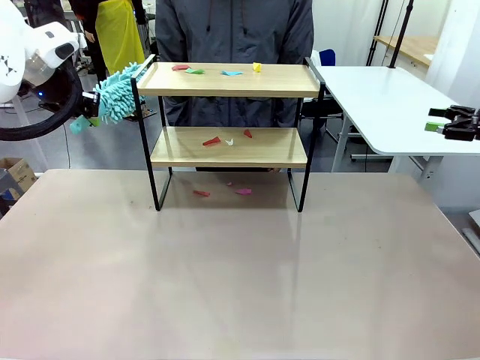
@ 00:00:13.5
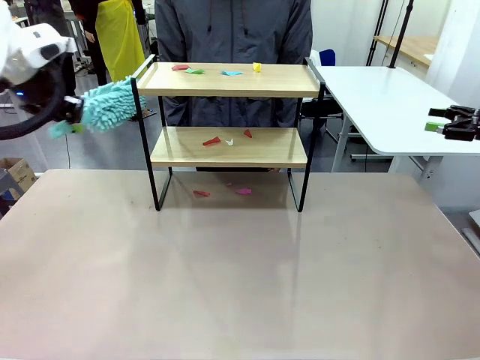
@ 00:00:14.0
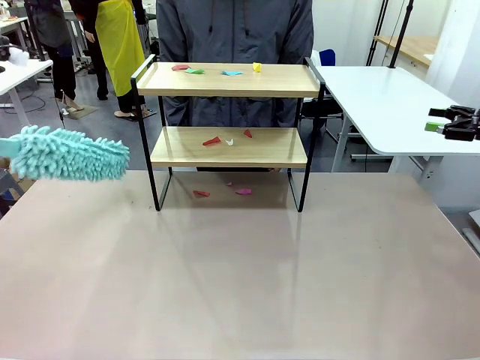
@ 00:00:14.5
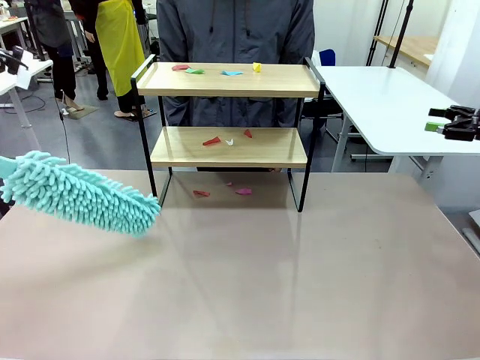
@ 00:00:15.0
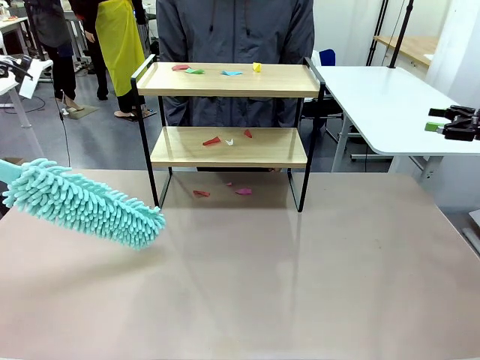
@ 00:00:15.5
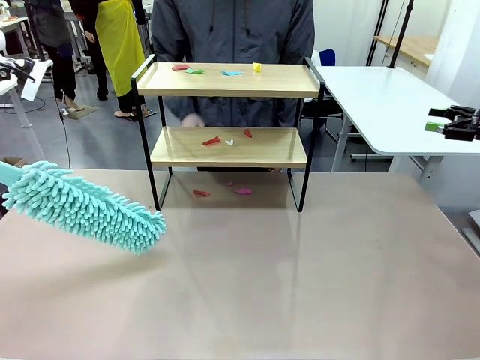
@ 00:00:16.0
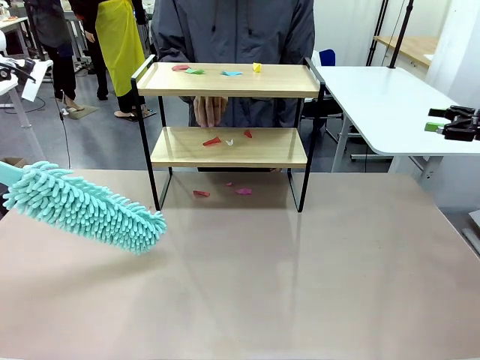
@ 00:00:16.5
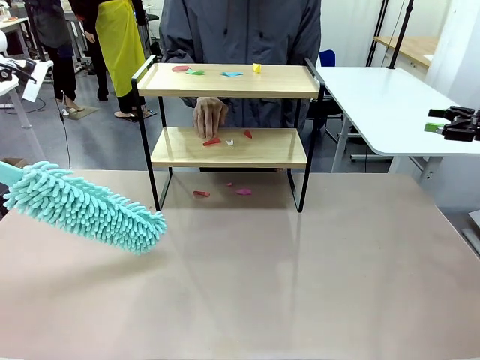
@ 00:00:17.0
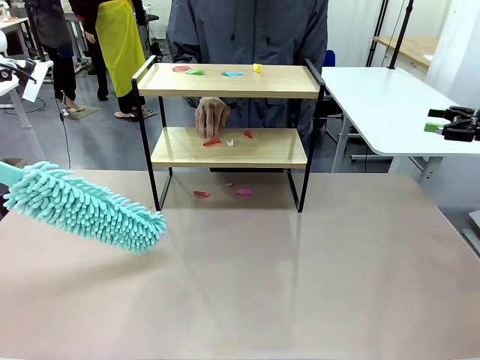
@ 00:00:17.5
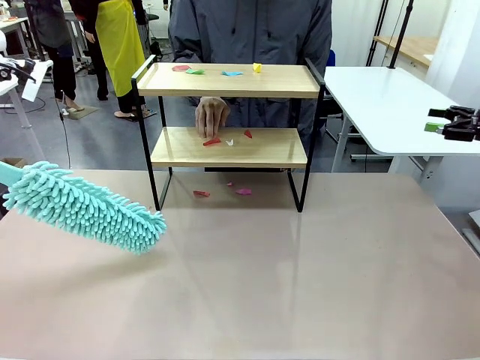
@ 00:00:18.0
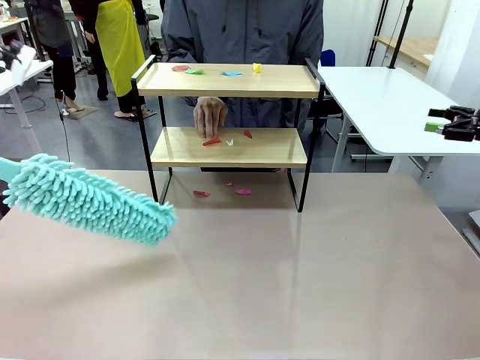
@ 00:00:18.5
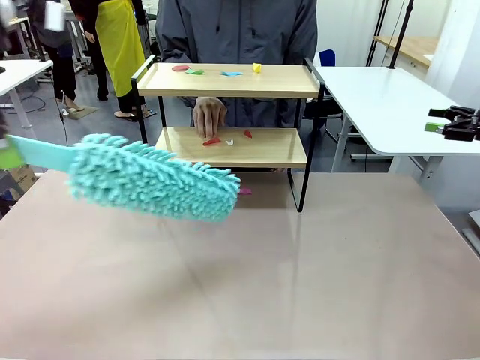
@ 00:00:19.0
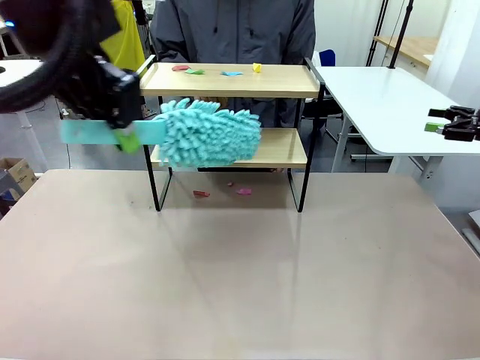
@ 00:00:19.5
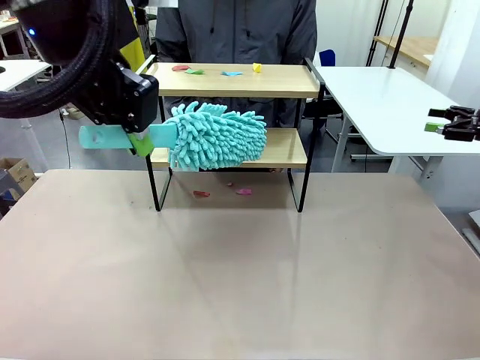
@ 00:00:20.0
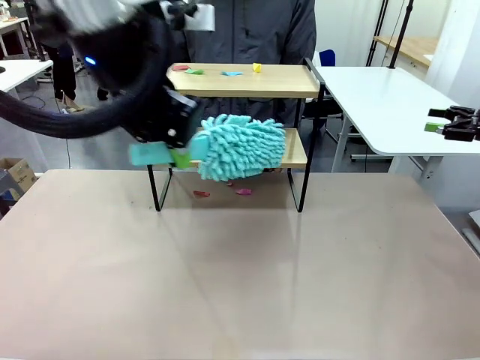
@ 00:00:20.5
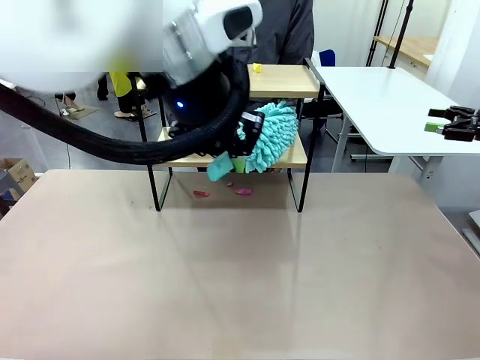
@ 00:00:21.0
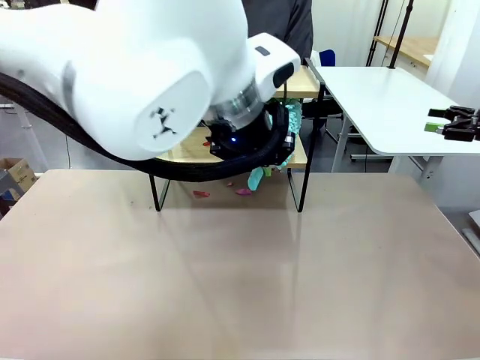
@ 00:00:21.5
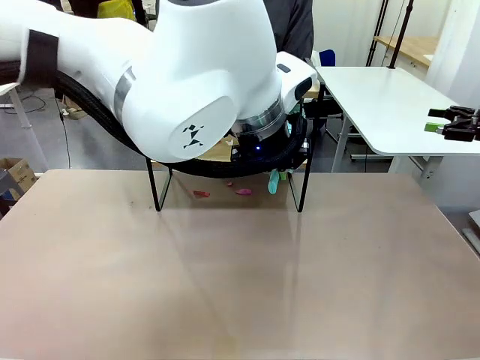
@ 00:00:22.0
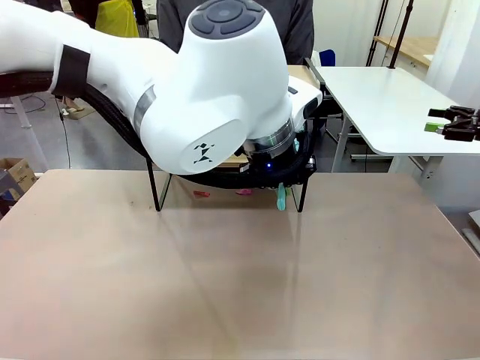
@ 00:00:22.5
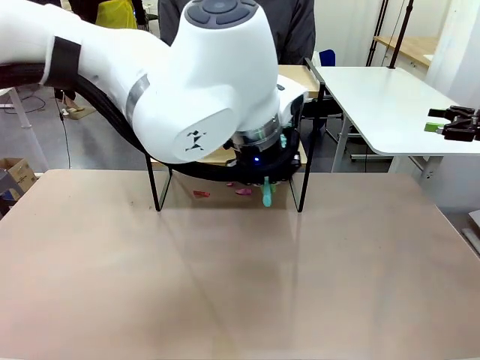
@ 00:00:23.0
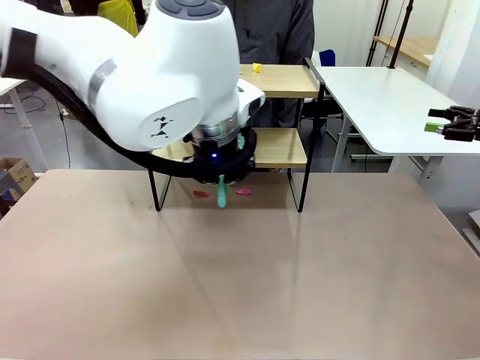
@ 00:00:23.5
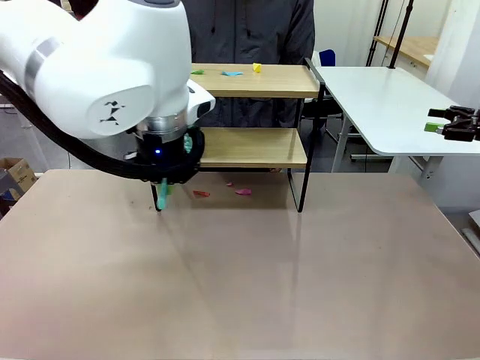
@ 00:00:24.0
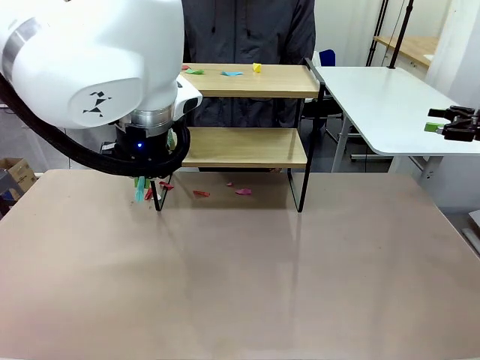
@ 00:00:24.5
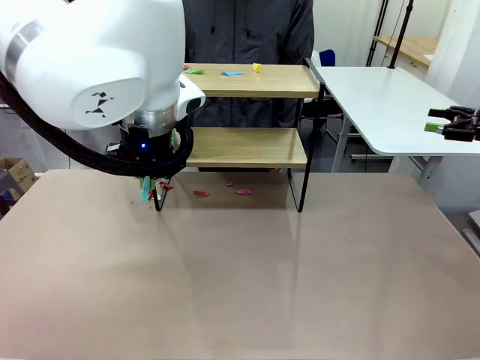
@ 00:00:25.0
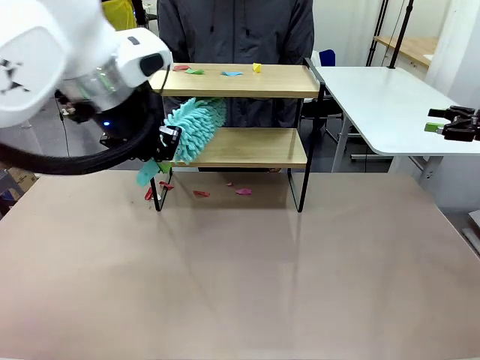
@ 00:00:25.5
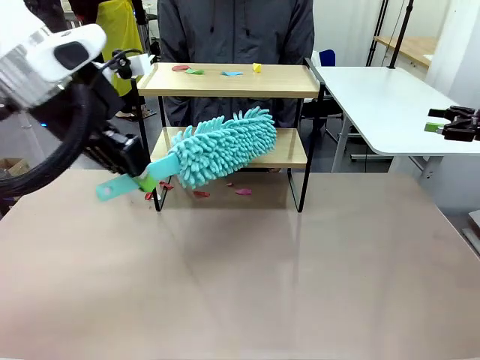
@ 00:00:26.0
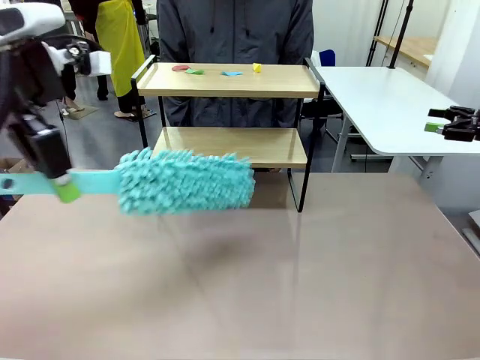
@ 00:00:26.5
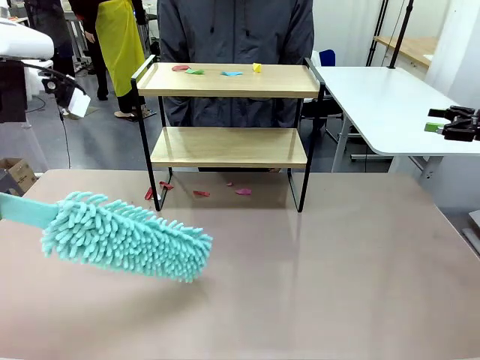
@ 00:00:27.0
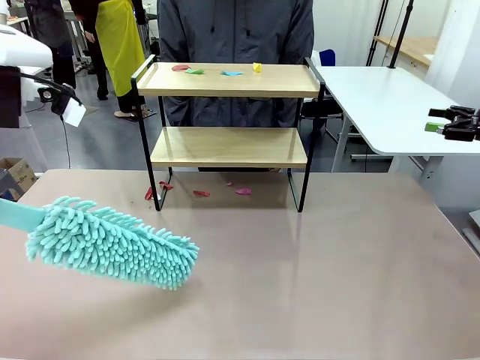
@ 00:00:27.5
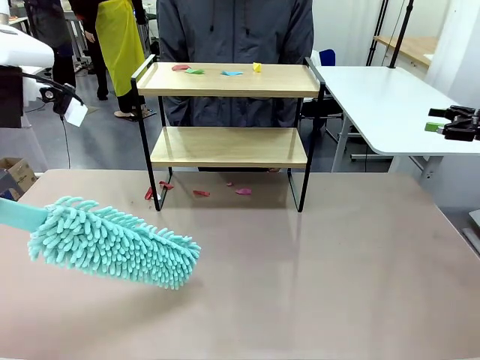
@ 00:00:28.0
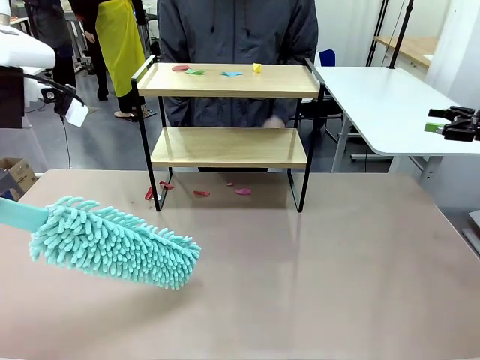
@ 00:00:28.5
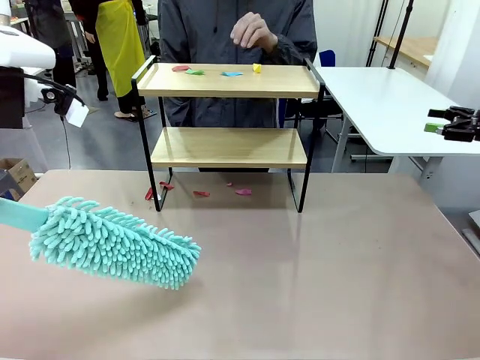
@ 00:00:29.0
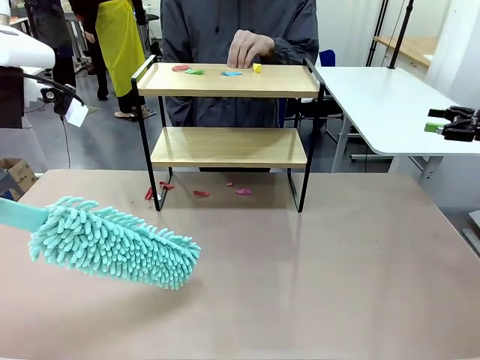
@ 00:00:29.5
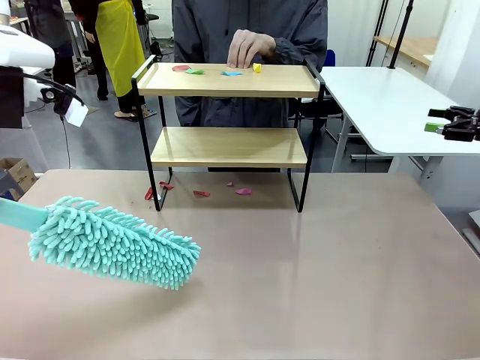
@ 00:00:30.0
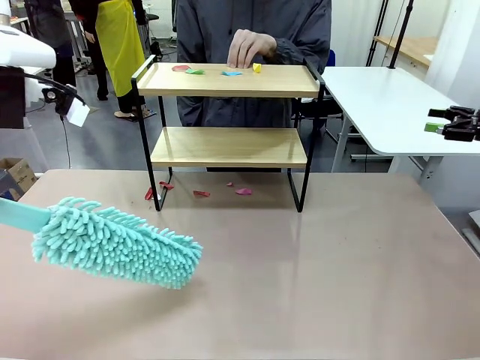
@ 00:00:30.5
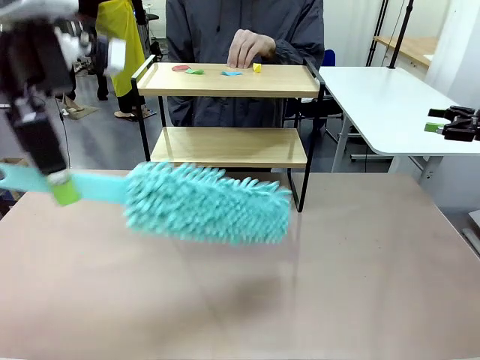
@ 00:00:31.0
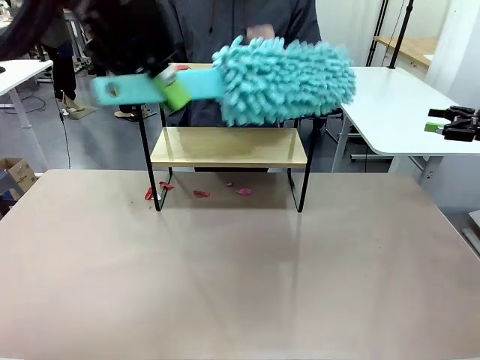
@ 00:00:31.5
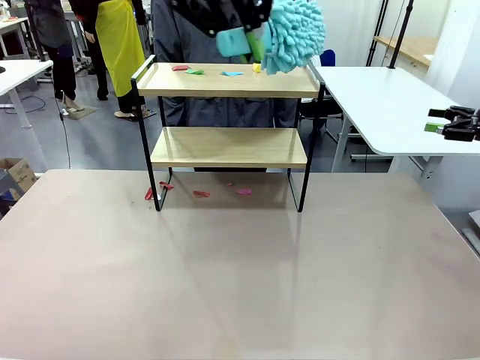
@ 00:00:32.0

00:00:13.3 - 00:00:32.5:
Task: Clean the shelf.
Robot: Clean the specific section of the Shelf indicated by the human with the Duster.
Person: Point a random section of the Shelf.
